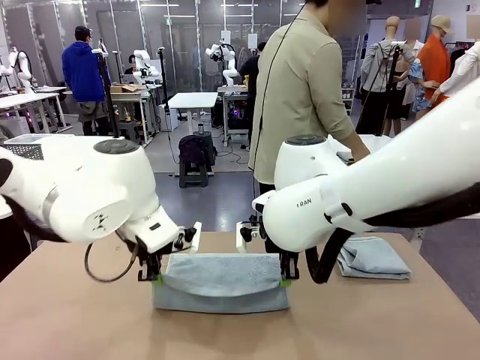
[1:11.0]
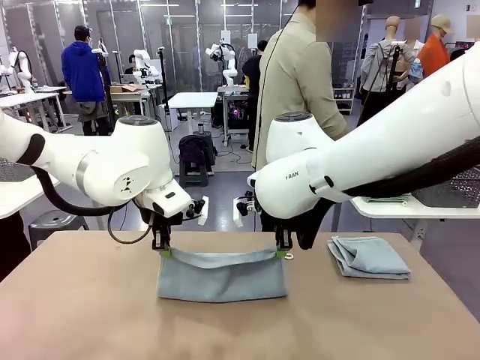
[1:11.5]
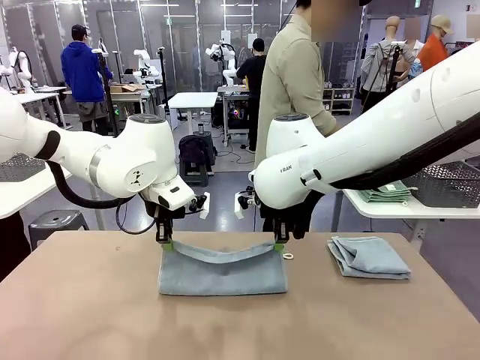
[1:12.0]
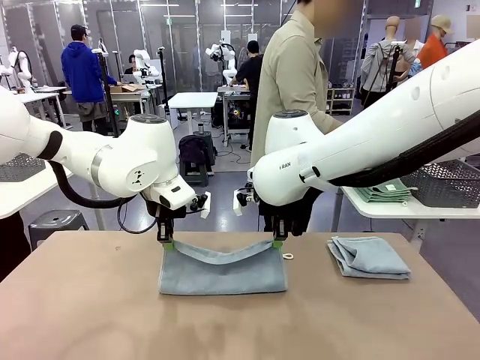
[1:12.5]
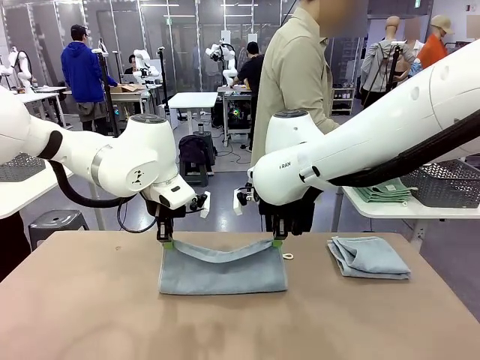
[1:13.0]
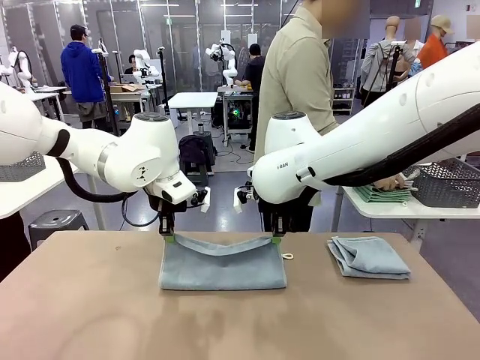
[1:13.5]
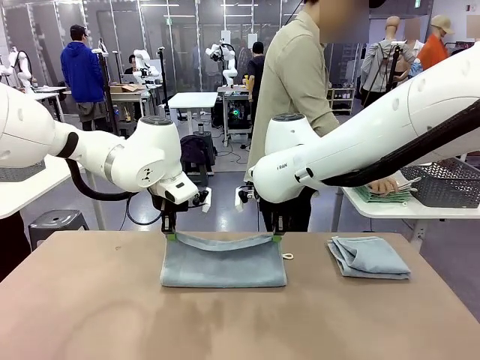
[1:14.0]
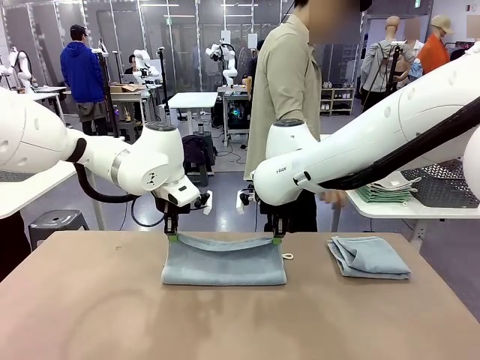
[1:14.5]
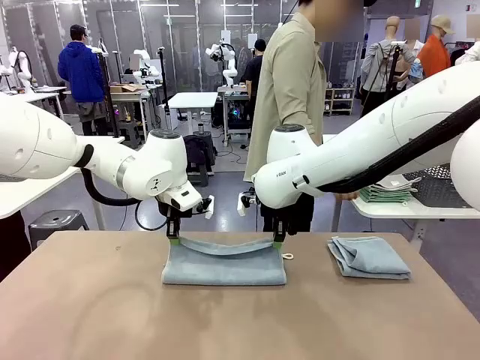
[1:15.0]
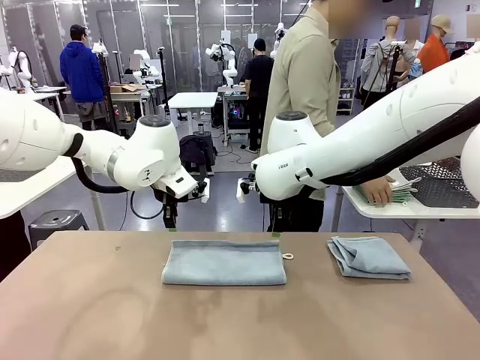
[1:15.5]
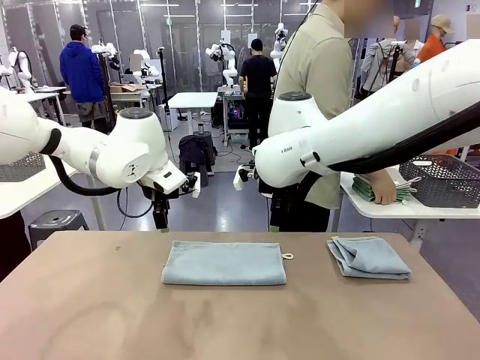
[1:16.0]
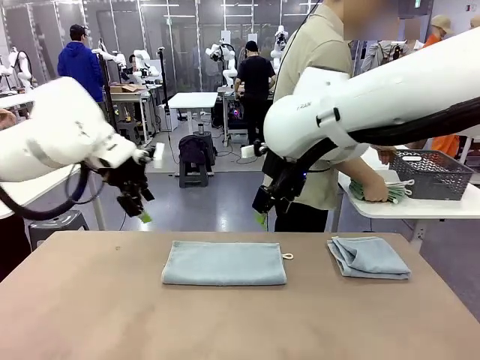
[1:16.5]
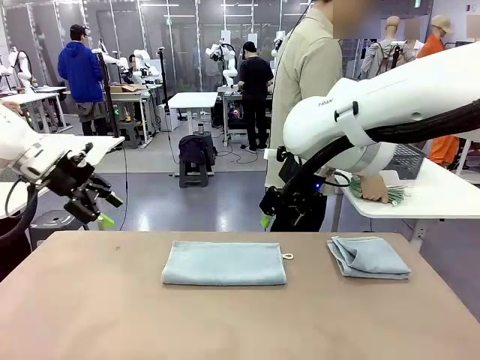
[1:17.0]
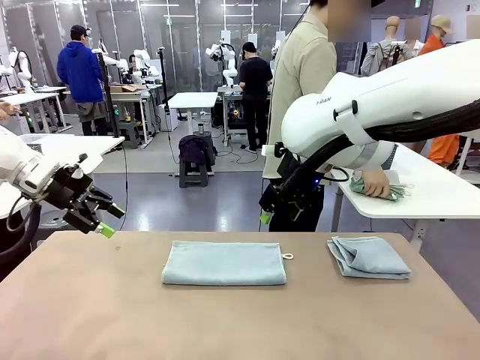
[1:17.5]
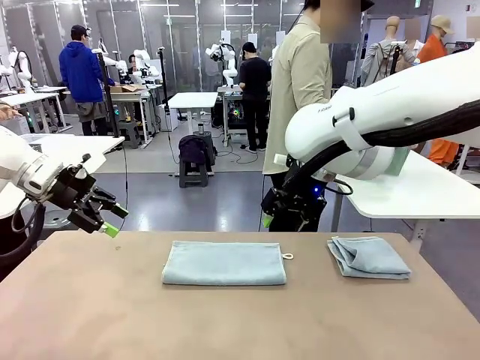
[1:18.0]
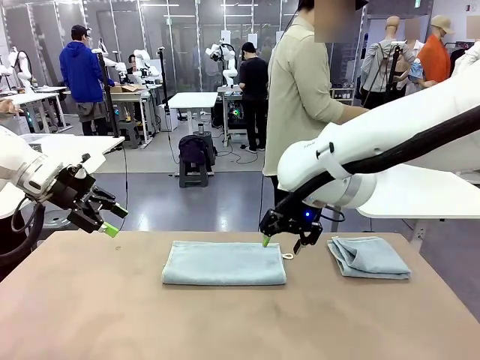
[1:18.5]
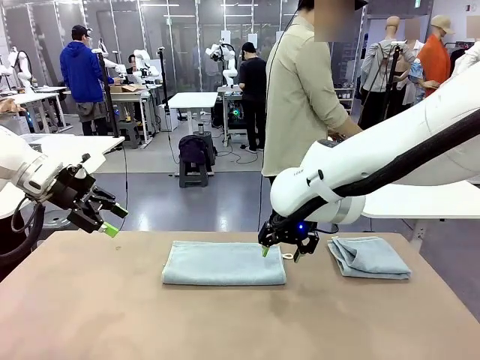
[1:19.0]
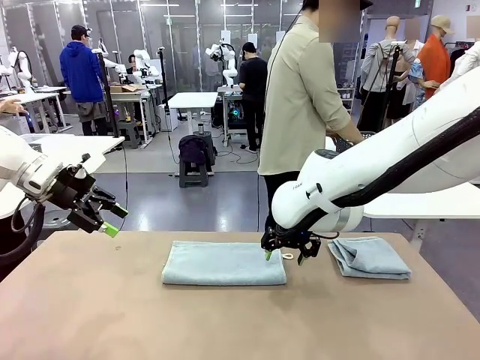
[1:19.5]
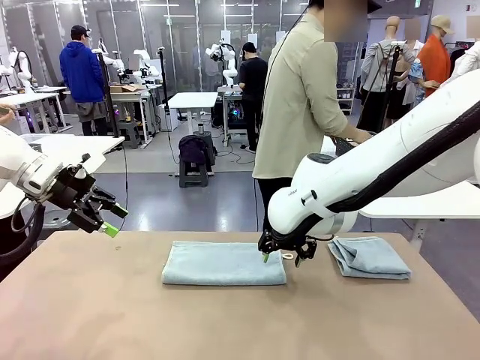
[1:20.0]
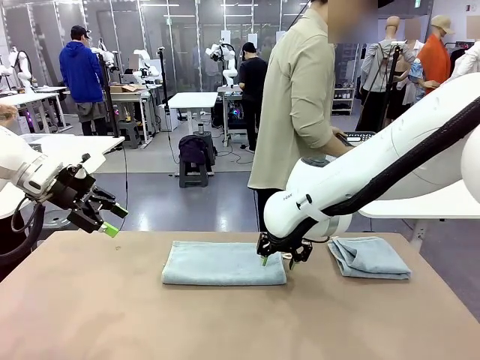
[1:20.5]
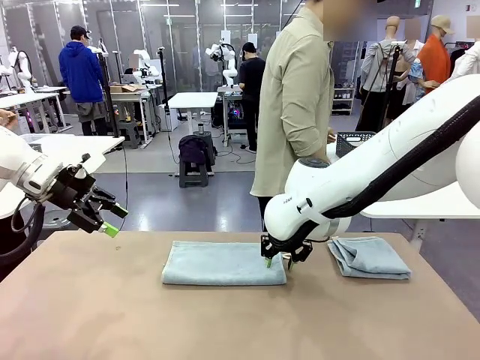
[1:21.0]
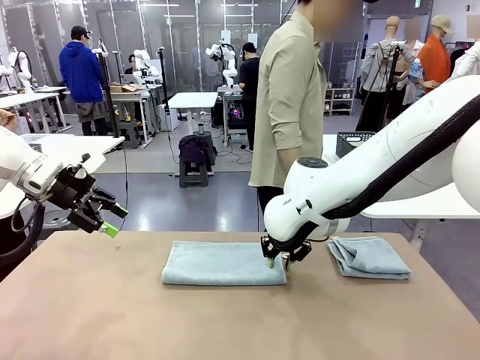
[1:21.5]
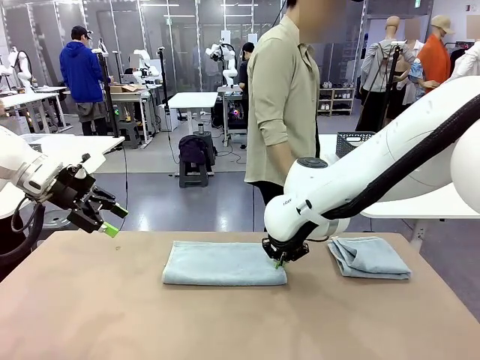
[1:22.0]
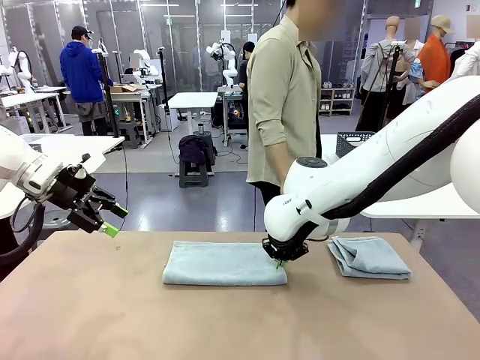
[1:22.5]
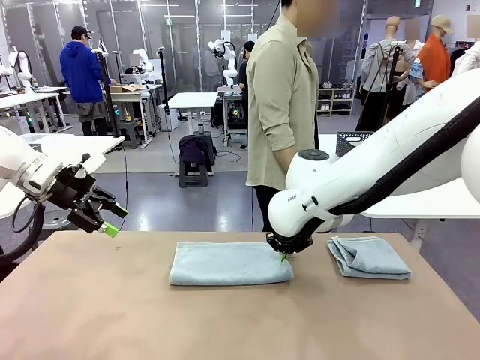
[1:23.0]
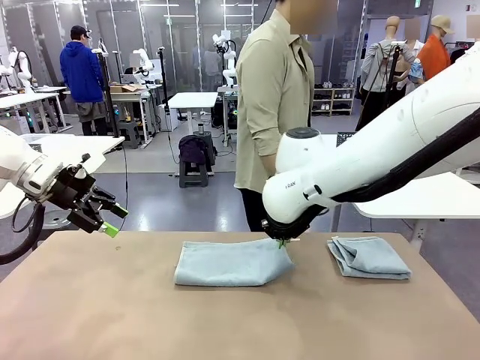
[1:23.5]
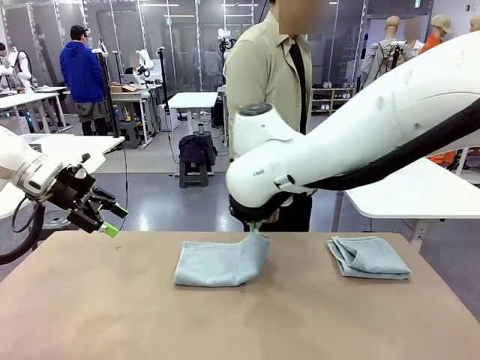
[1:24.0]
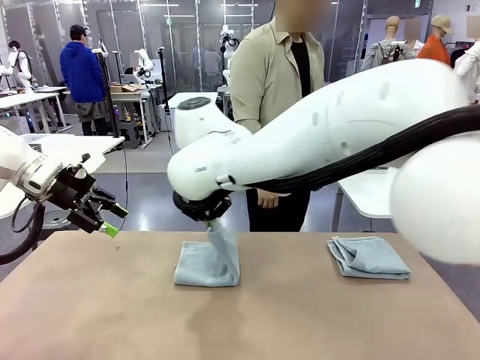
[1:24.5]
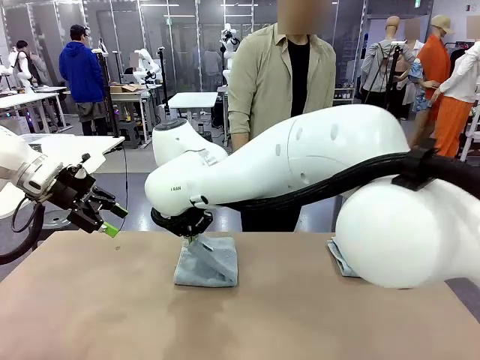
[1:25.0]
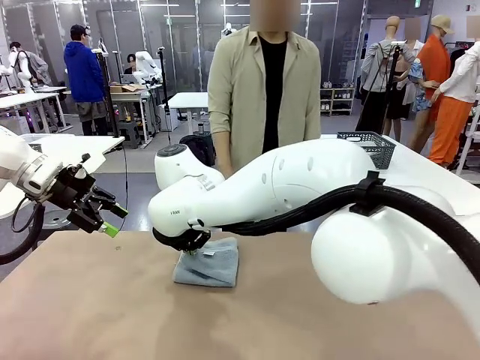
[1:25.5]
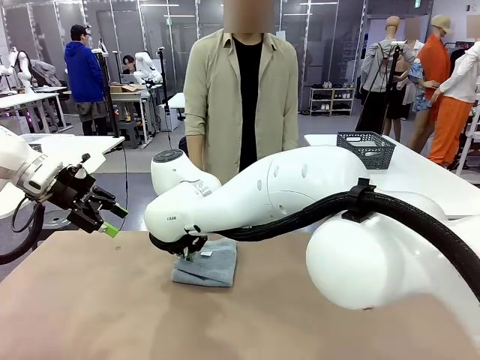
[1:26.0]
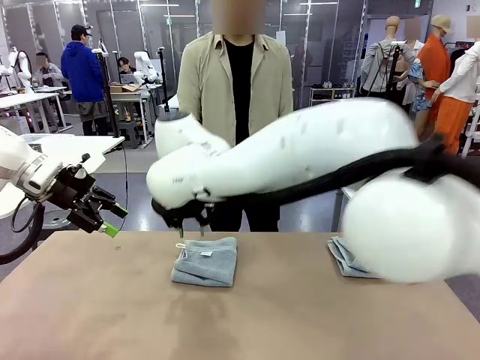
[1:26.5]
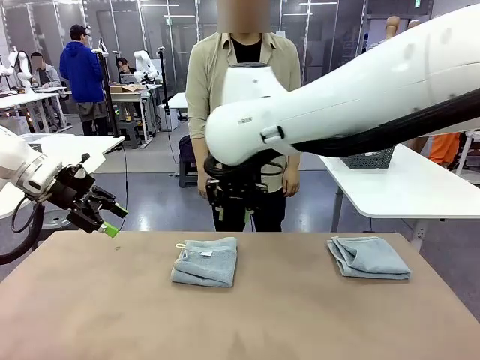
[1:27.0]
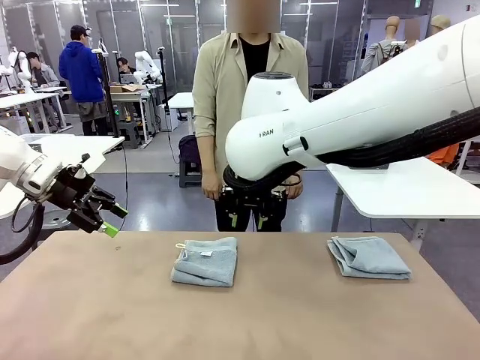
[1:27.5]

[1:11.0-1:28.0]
Task: Fold the towels and place them in the basket.
Robot: When a person lays out a Towel with hook on the table, fold it in half twice.
Person: Pick up the stack of towels from the right side of the human table, place it into the basket, and put the basket at the center of the table.

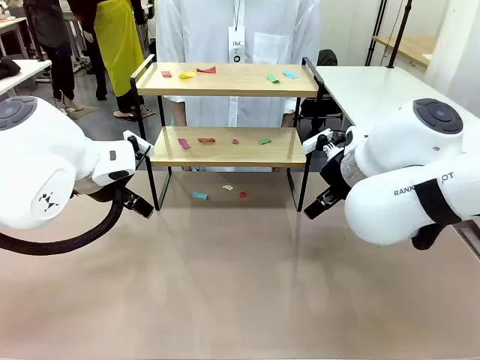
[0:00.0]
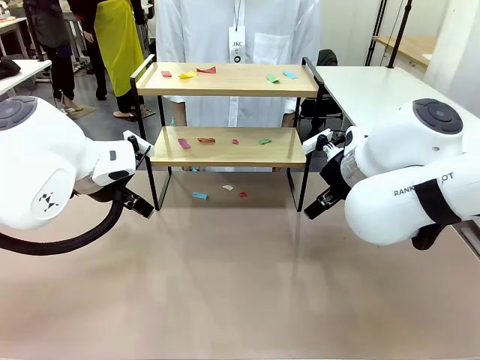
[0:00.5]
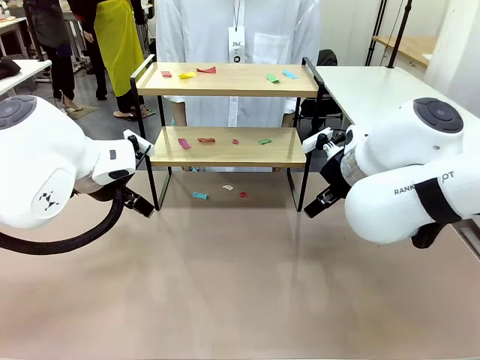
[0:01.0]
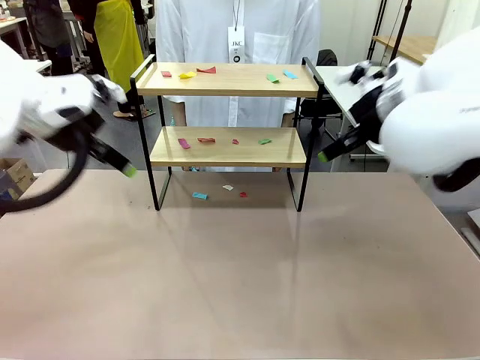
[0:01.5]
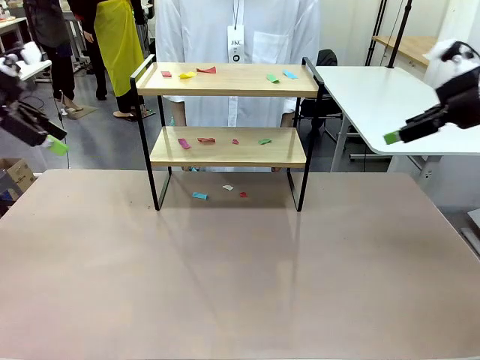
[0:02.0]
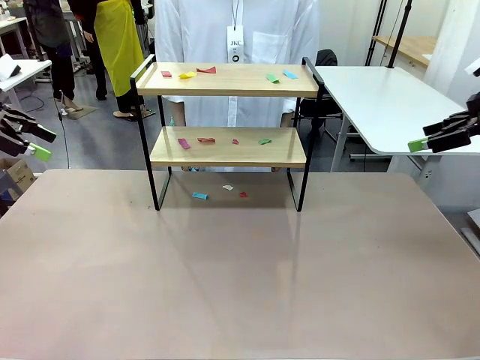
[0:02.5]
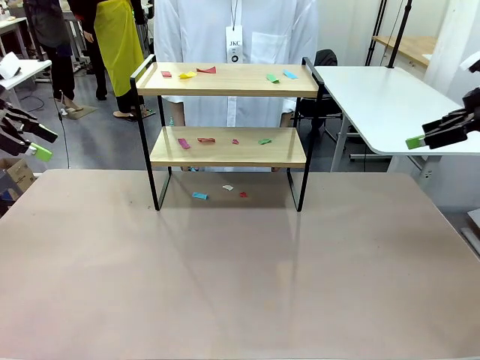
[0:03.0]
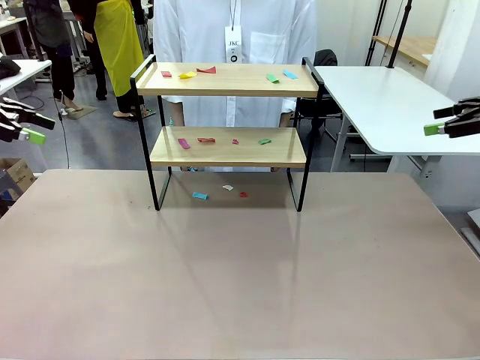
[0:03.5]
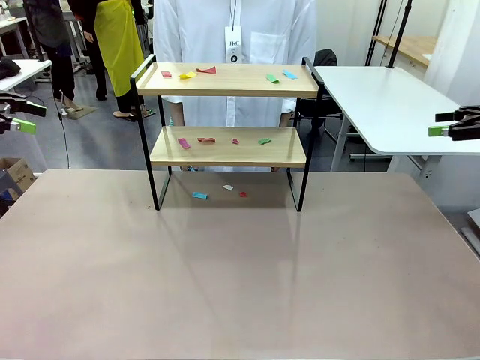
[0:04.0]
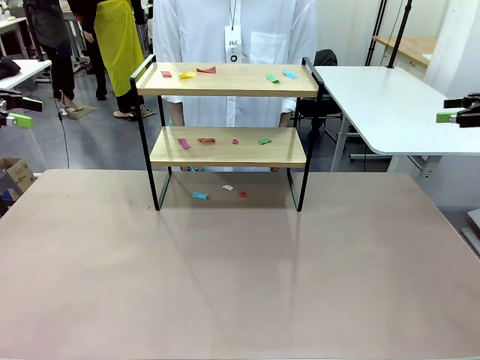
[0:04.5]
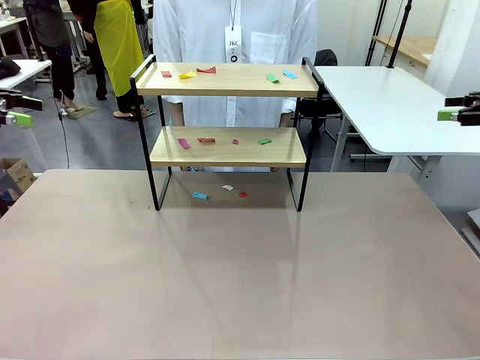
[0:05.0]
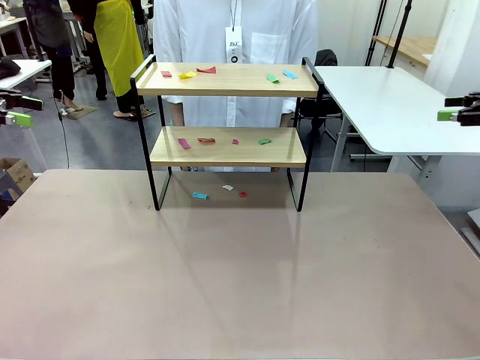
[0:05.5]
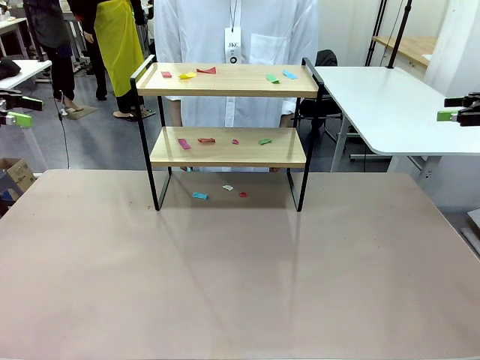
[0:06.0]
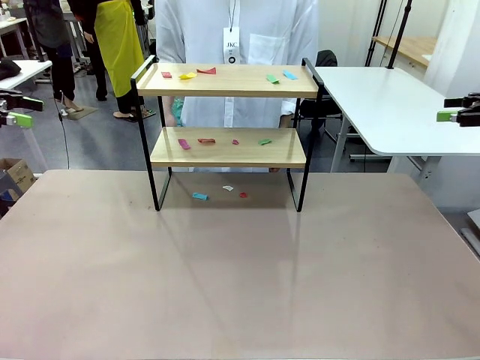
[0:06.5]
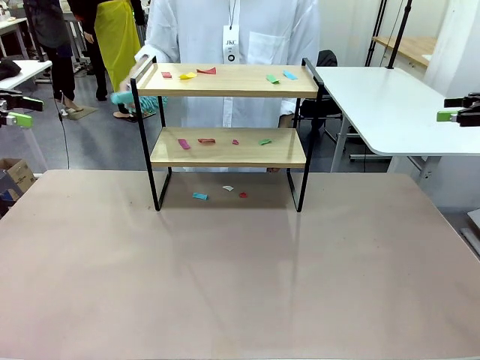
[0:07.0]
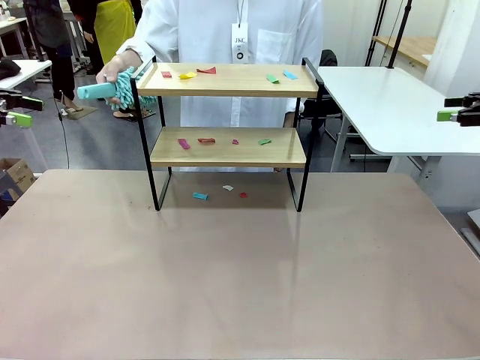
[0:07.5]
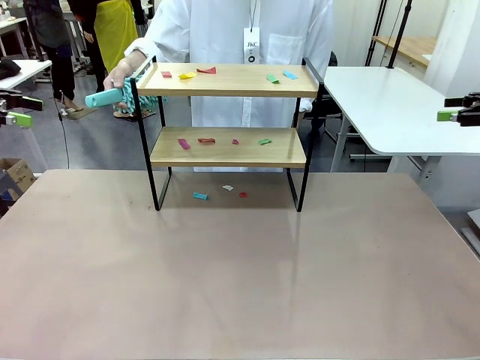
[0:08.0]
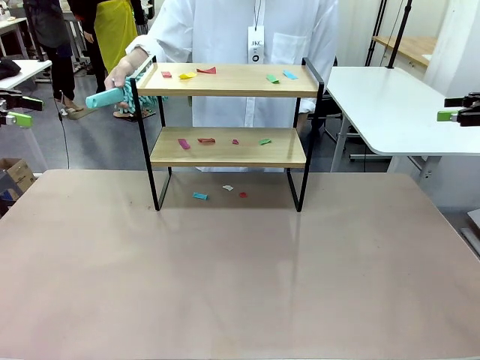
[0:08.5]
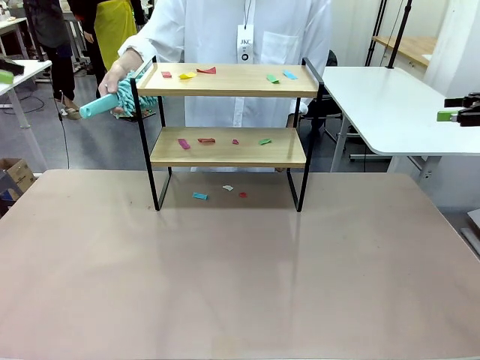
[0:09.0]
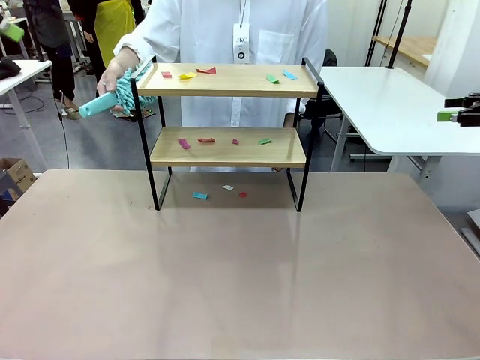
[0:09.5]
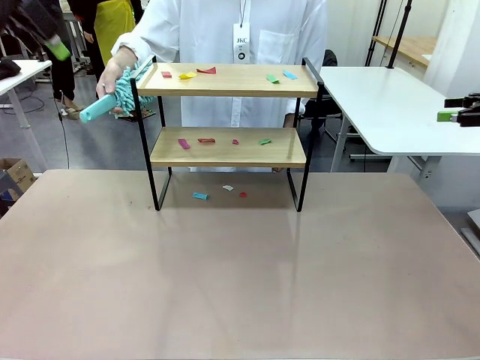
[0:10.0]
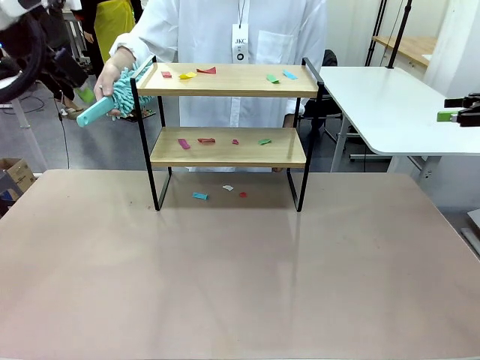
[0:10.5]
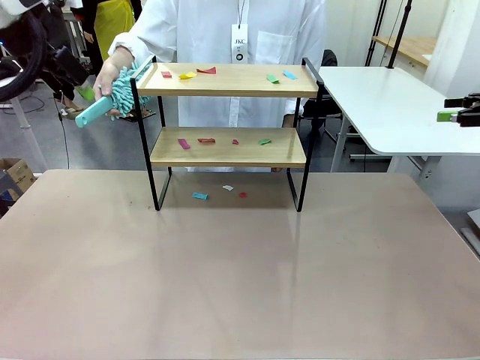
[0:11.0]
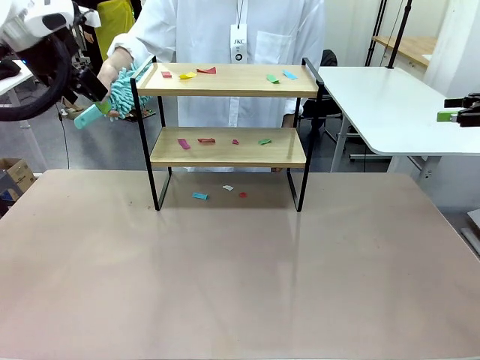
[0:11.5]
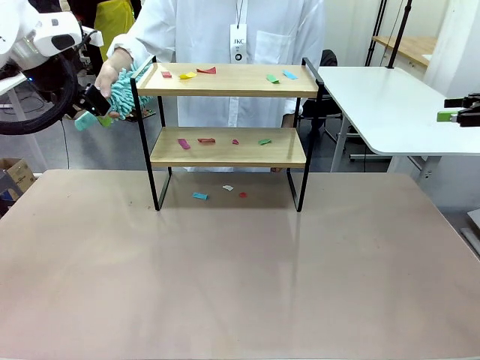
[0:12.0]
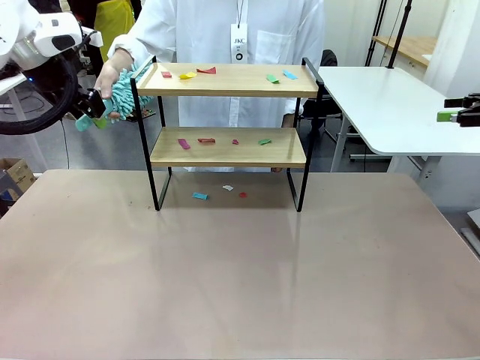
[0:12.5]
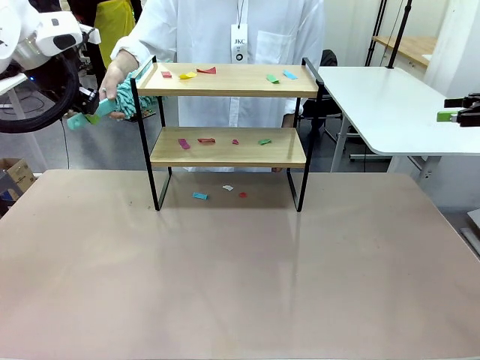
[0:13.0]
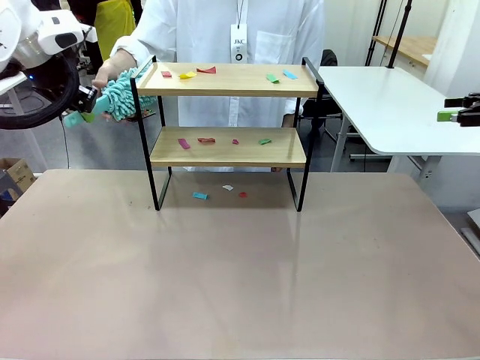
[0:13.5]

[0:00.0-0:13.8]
Task: Clean the shelf.
Robot: Pick up the Duster handed by the human.
Person: Hand the Duster to the robot.
